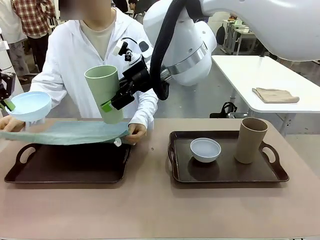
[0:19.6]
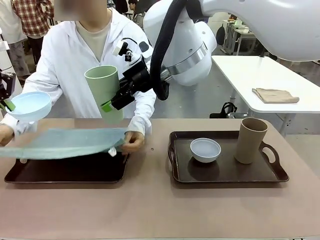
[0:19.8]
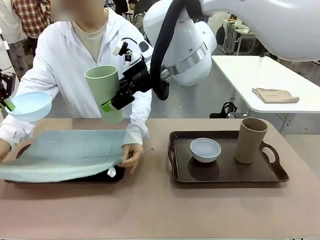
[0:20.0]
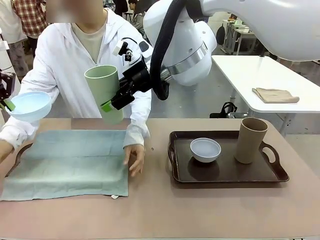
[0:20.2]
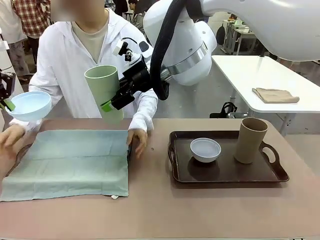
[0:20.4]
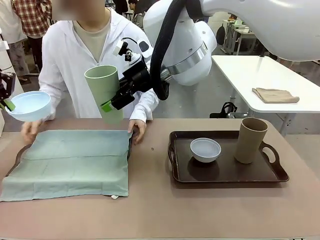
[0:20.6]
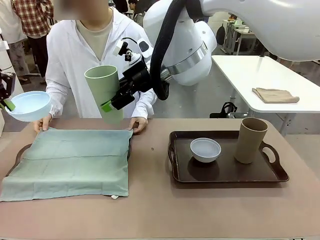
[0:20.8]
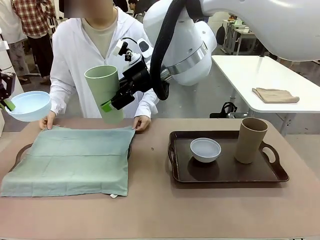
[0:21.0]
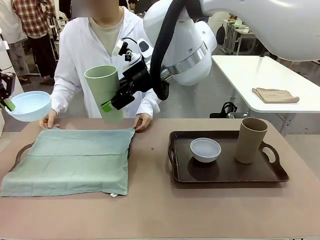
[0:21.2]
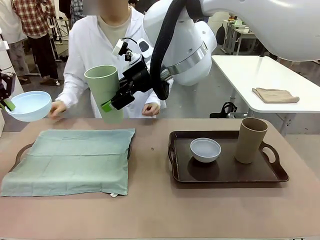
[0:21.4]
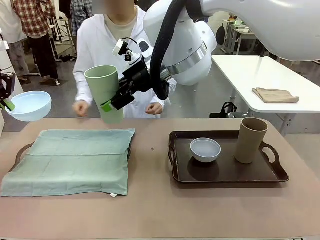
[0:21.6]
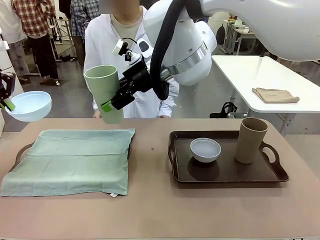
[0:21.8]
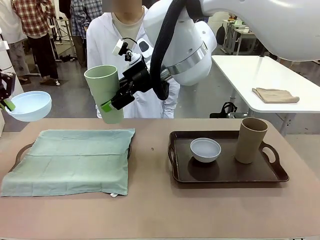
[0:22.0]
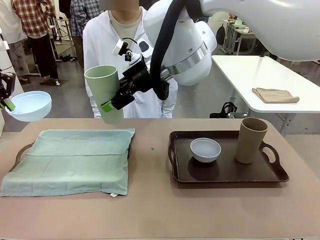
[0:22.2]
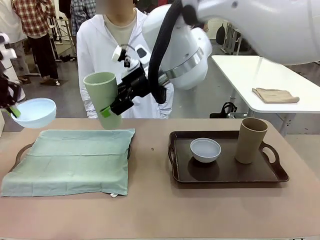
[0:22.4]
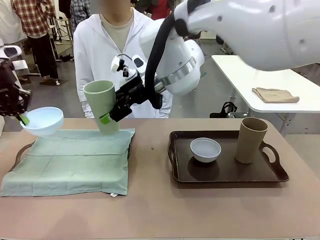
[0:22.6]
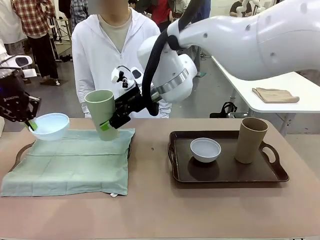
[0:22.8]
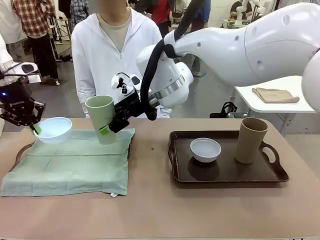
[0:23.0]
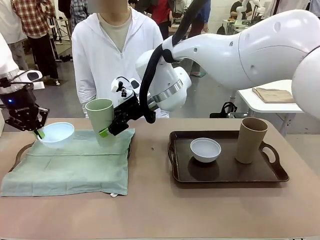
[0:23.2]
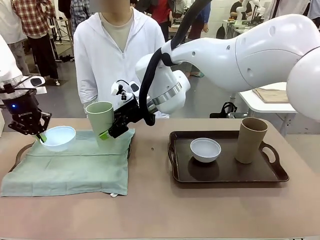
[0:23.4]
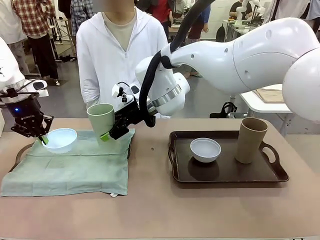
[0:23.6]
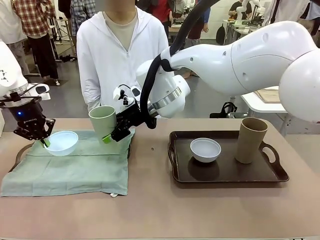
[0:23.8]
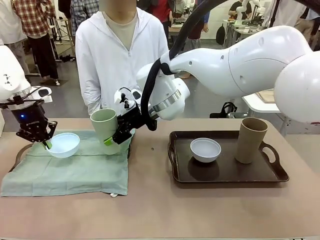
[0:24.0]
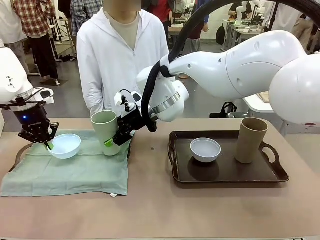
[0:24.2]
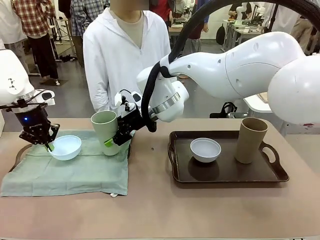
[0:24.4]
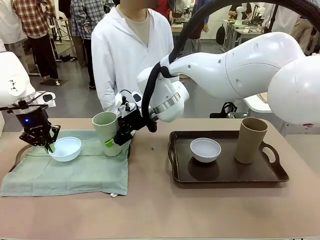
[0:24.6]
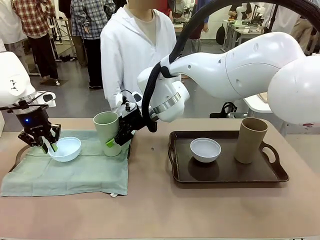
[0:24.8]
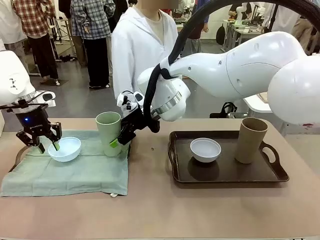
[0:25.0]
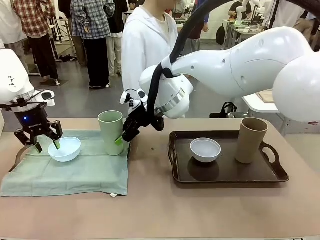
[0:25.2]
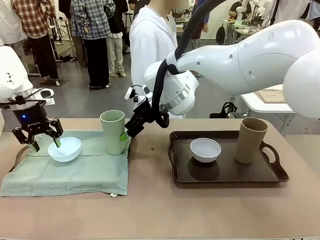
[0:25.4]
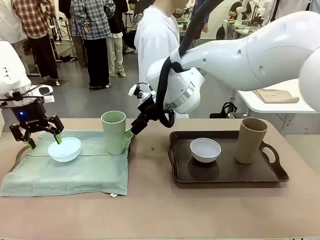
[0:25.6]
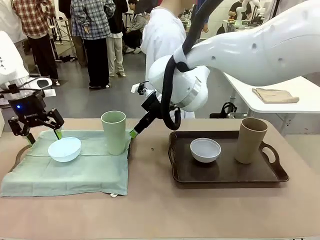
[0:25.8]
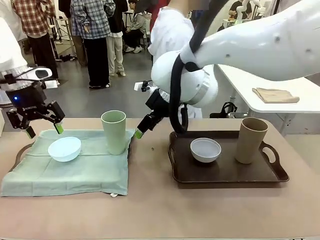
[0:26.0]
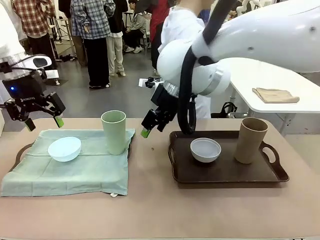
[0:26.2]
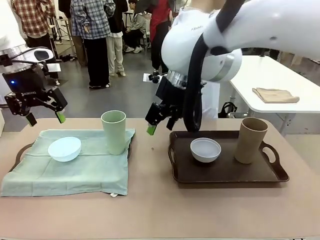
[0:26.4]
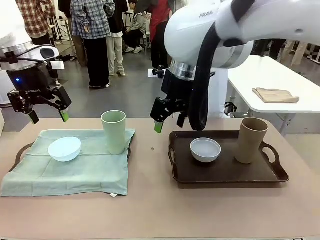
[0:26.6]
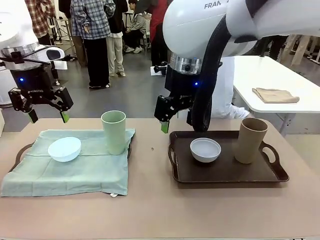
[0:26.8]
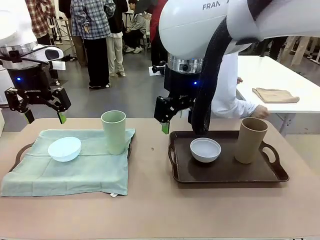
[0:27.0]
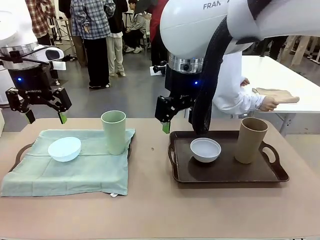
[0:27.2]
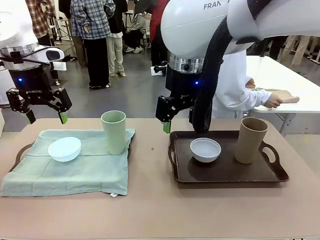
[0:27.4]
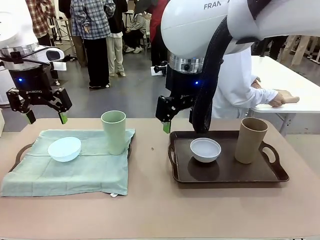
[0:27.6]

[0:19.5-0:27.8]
Robot: Place the Picnic Bowl and Reusable plastic cup back onto the Handle tray in front of the human's position.

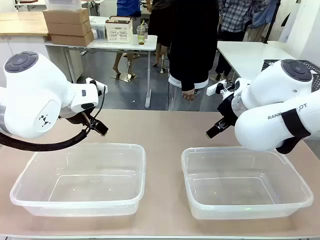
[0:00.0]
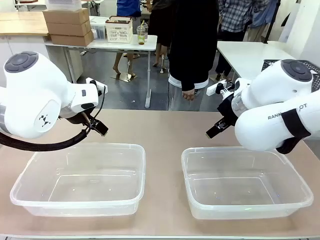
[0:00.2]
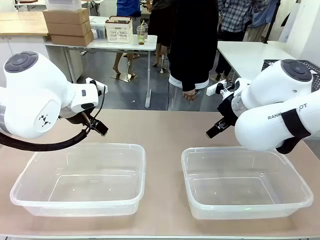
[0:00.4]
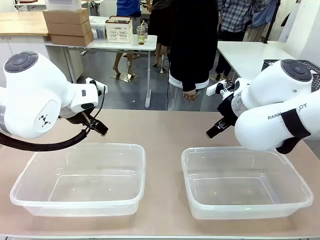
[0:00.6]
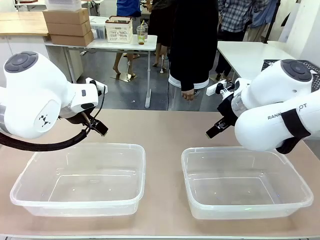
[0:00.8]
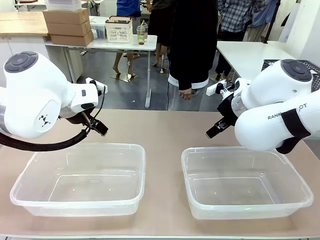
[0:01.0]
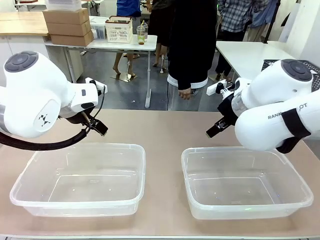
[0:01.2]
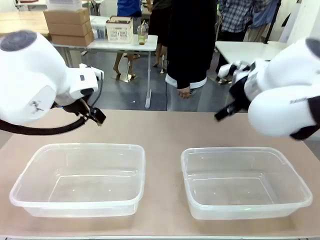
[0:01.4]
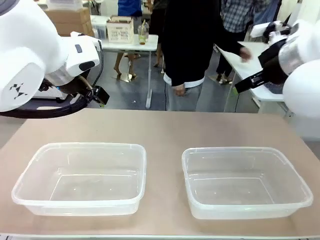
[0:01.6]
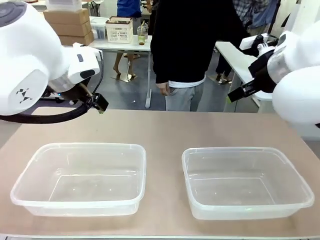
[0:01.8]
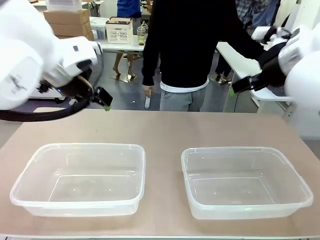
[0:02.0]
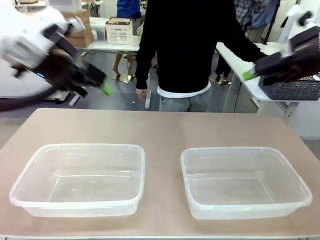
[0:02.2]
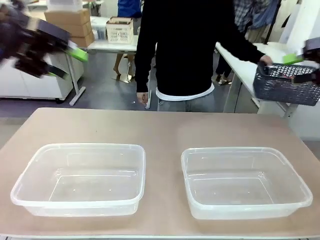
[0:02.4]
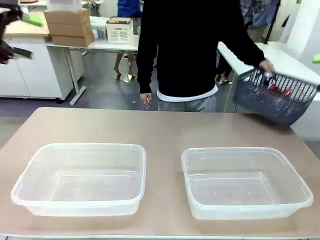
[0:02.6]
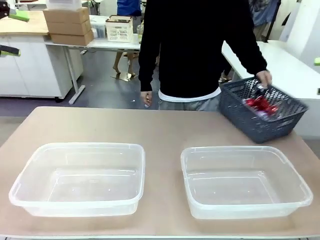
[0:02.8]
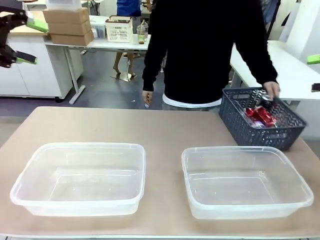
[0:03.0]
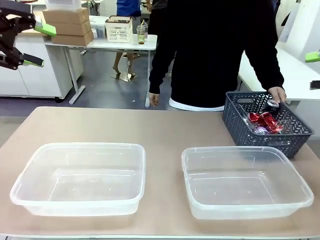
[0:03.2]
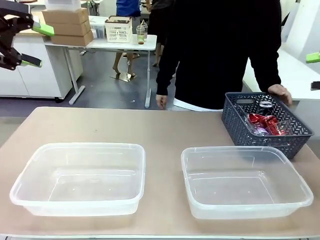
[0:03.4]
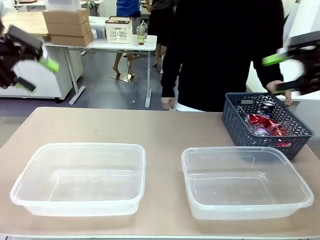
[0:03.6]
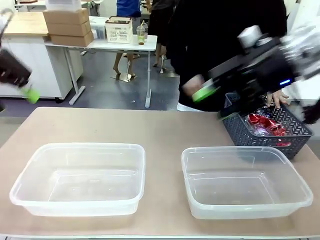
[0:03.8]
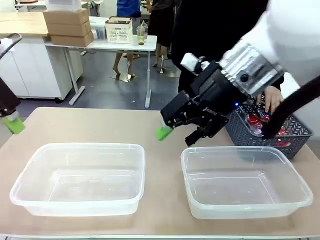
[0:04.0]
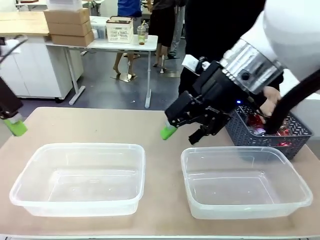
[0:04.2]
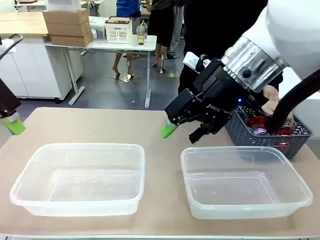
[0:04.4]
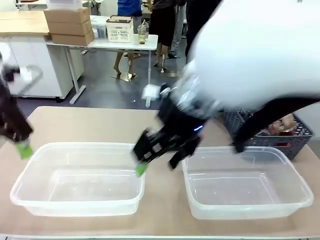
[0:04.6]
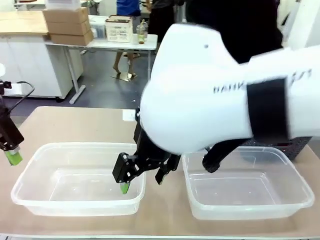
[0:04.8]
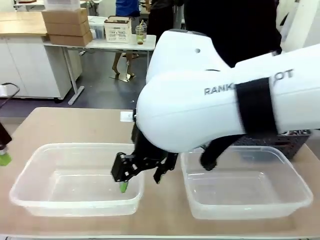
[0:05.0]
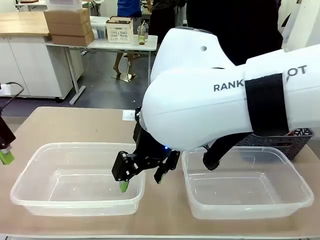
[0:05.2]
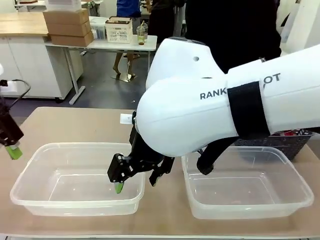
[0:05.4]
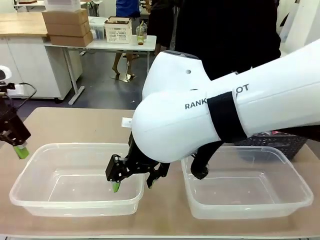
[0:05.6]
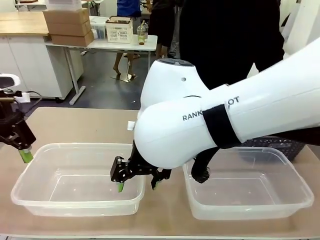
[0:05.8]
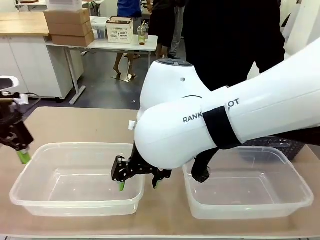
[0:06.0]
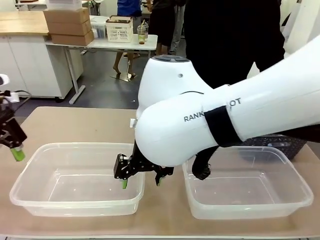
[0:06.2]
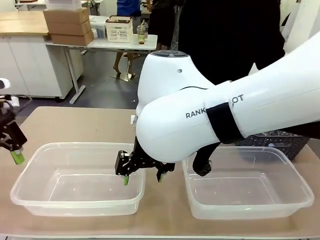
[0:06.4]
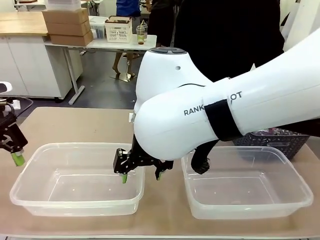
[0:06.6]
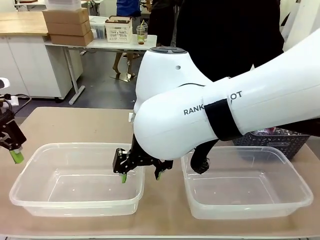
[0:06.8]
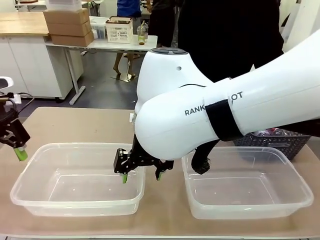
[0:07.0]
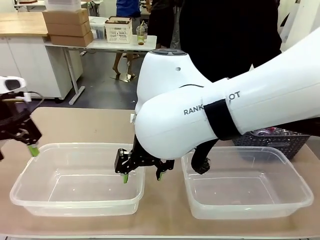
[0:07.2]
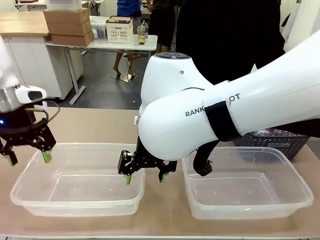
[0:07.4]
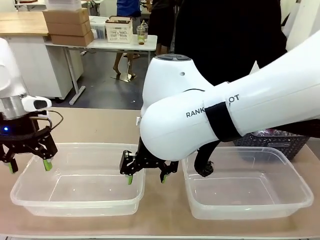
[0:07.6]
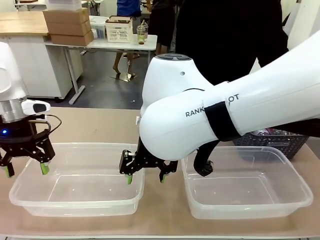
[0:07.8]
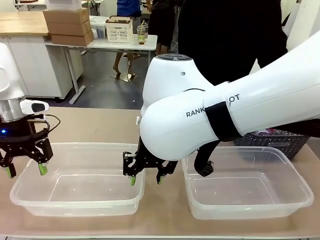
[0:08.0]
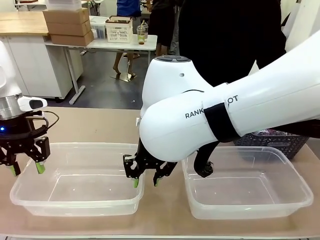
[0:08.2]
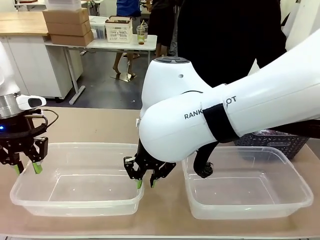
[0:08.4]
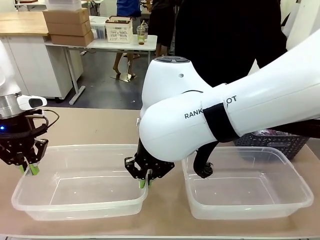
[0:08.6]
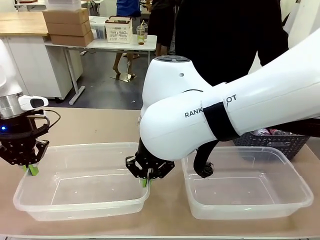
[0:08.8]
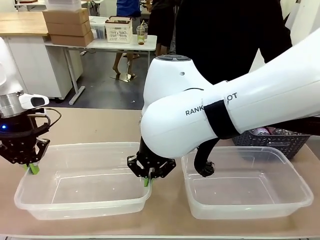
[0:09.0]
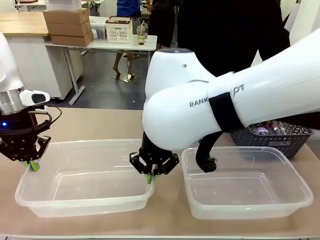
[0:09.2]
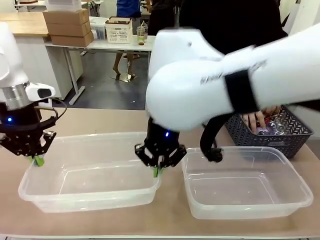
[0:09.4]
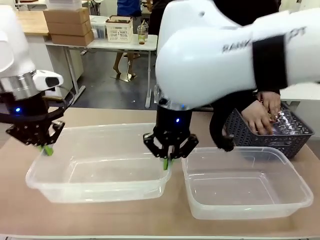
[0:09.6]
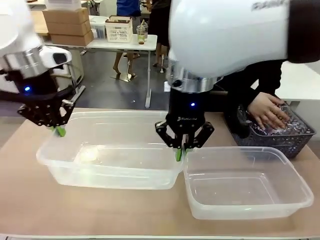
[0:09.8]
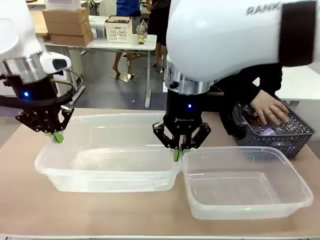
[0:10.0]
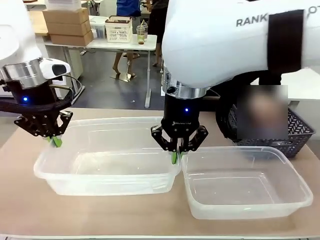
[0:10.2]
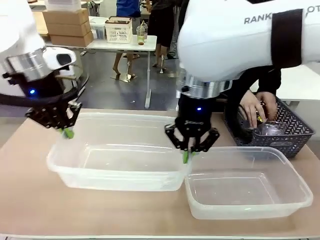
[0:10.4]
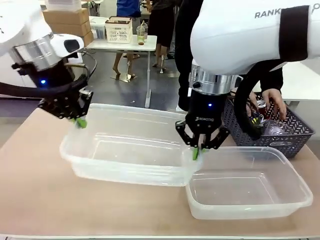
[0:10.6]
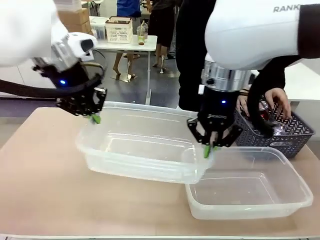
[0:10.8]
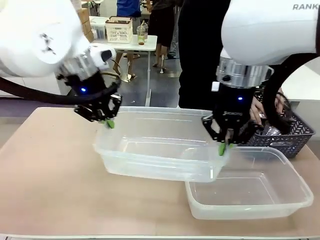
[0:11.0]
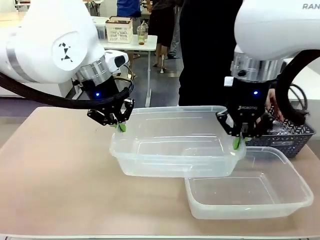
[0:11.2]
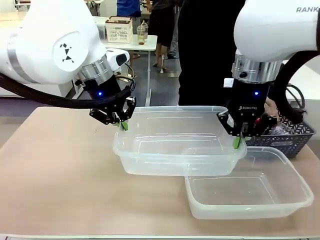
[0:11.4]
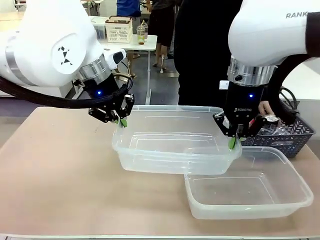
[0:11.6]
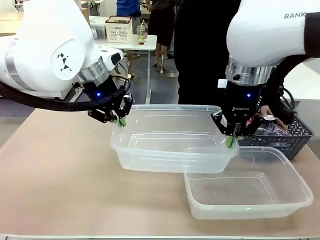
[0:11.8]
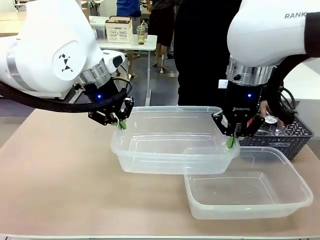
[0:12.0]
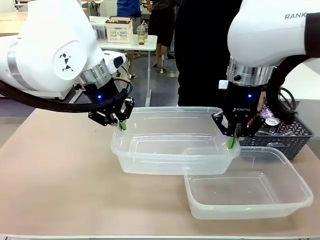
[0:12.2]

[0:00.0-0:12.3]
Robot: Pick up the Organizing box on the left side of the table and lift it.
Person: Pick up the storage basket and place it on the left side of the robot table. Pick up can-shaped waste one by one and place it into the organizing box lifted by the robot.
